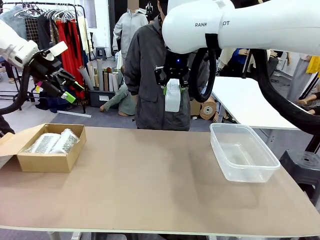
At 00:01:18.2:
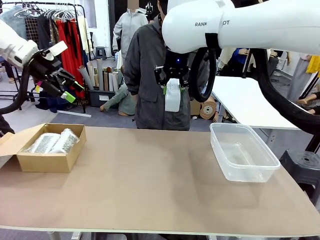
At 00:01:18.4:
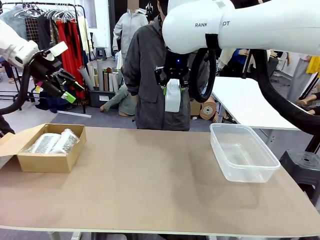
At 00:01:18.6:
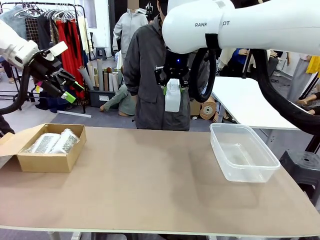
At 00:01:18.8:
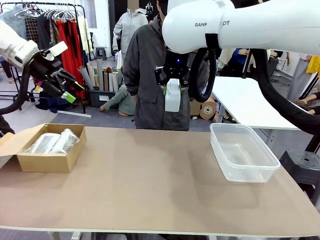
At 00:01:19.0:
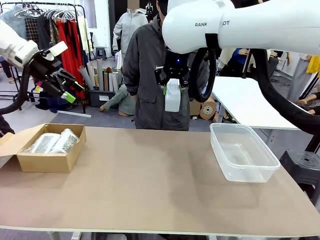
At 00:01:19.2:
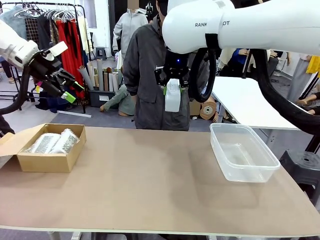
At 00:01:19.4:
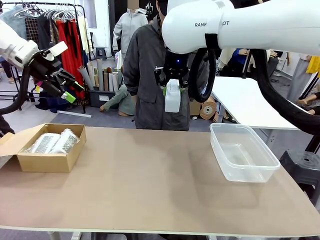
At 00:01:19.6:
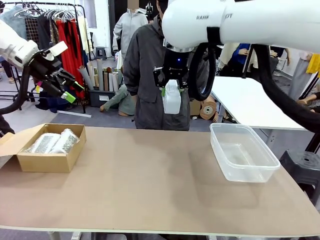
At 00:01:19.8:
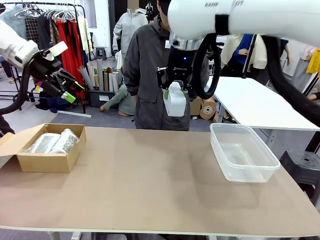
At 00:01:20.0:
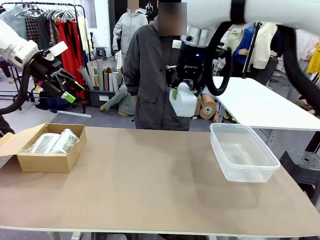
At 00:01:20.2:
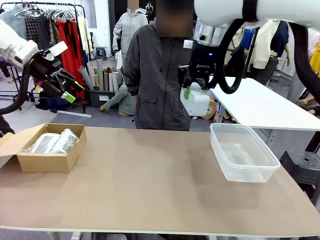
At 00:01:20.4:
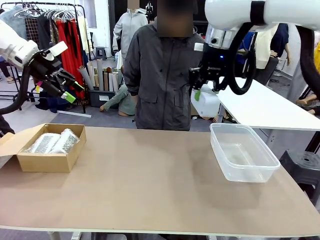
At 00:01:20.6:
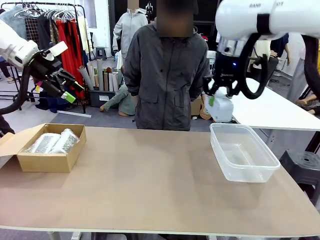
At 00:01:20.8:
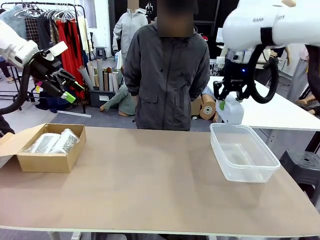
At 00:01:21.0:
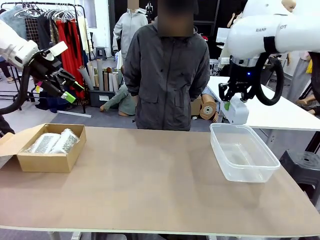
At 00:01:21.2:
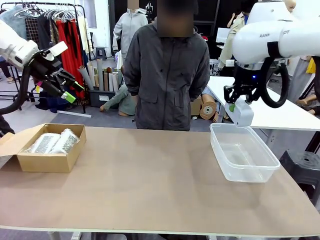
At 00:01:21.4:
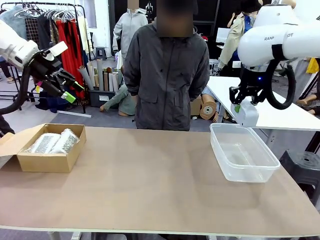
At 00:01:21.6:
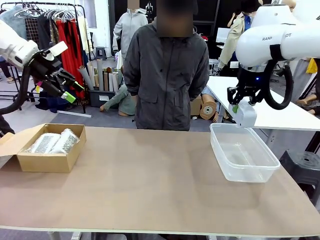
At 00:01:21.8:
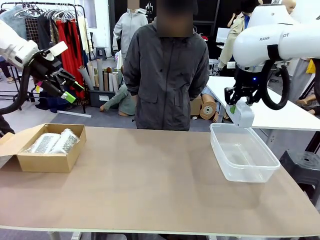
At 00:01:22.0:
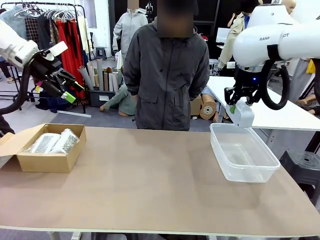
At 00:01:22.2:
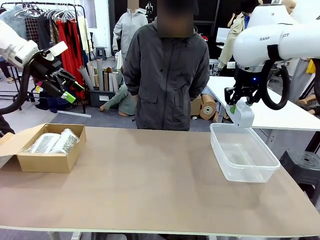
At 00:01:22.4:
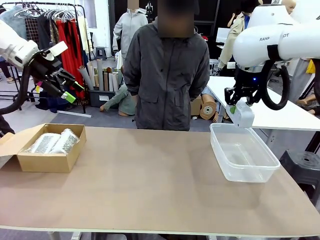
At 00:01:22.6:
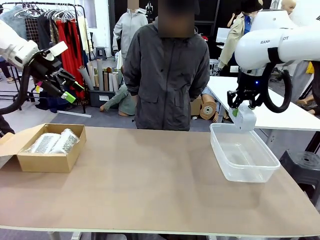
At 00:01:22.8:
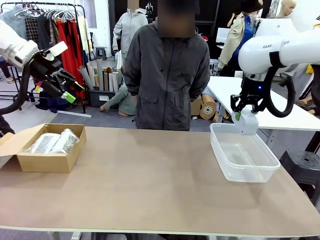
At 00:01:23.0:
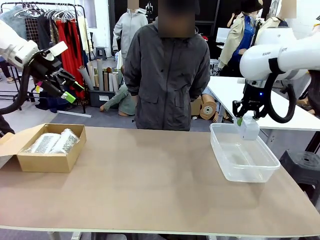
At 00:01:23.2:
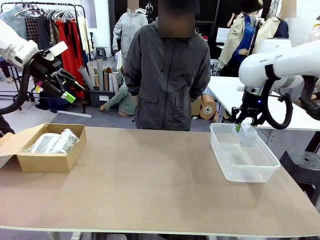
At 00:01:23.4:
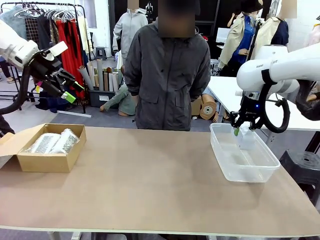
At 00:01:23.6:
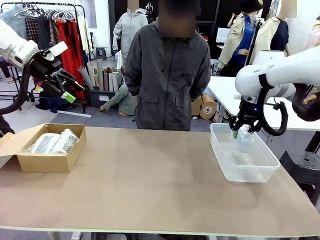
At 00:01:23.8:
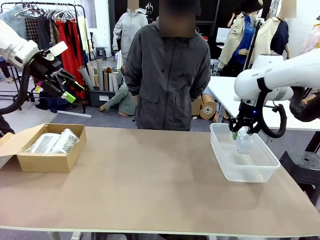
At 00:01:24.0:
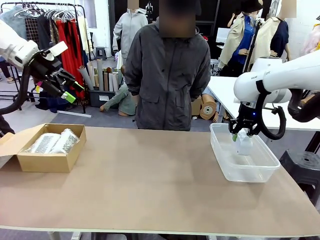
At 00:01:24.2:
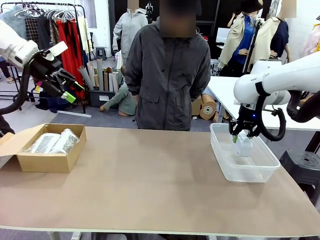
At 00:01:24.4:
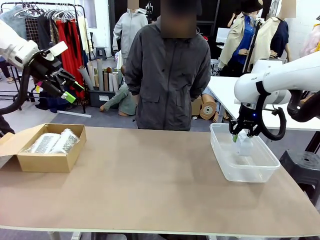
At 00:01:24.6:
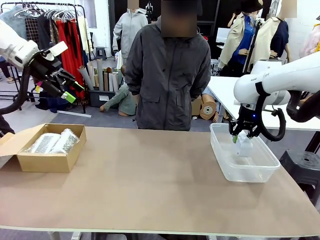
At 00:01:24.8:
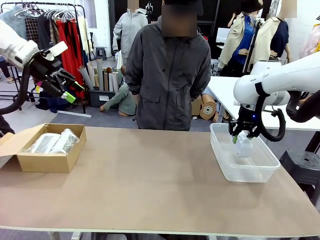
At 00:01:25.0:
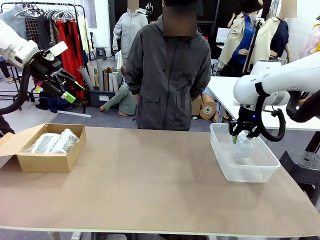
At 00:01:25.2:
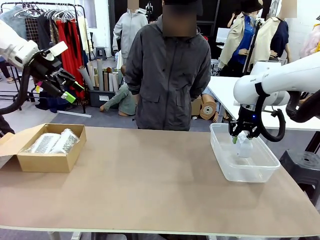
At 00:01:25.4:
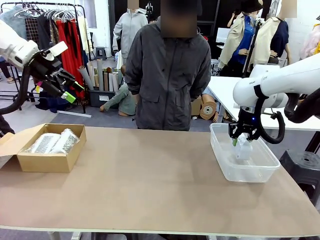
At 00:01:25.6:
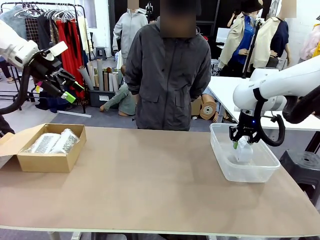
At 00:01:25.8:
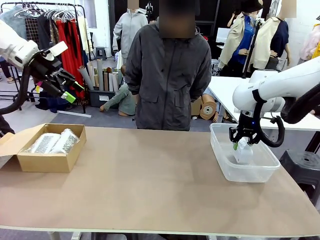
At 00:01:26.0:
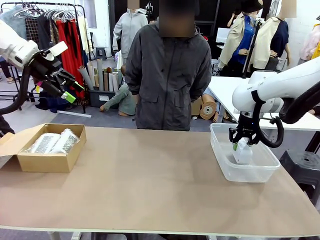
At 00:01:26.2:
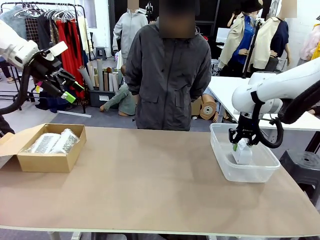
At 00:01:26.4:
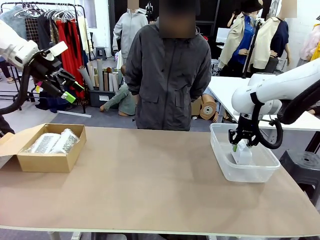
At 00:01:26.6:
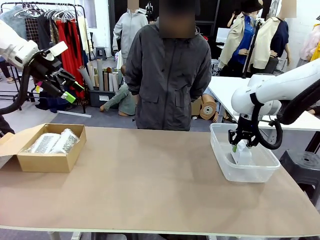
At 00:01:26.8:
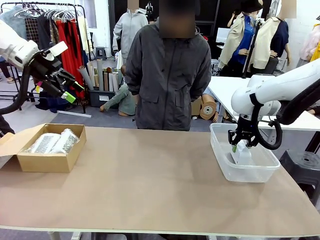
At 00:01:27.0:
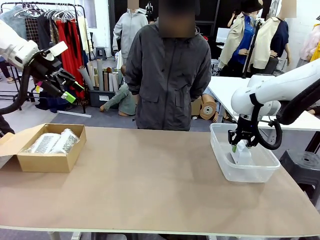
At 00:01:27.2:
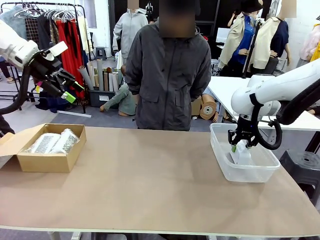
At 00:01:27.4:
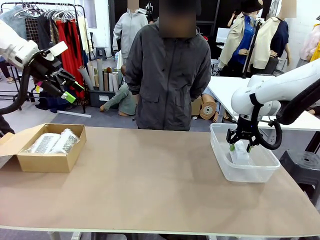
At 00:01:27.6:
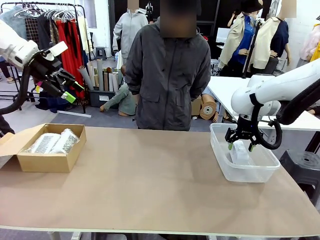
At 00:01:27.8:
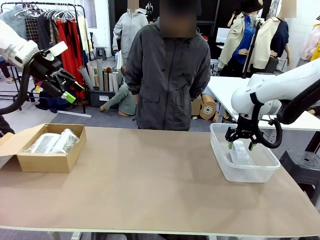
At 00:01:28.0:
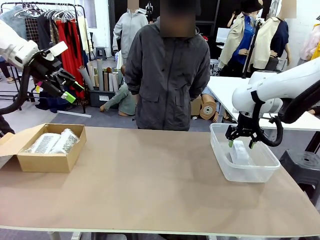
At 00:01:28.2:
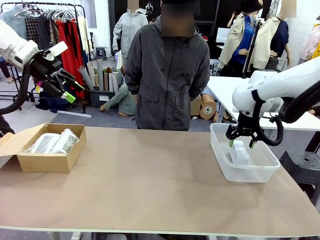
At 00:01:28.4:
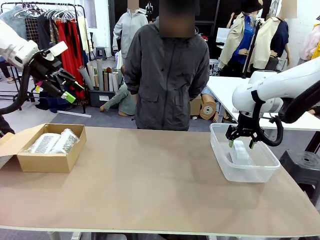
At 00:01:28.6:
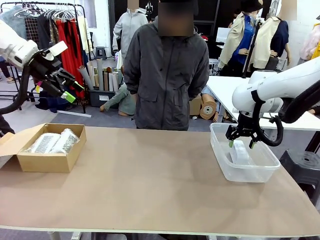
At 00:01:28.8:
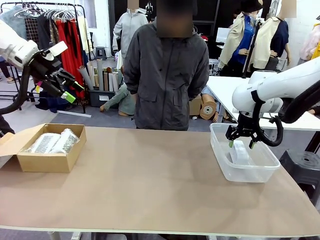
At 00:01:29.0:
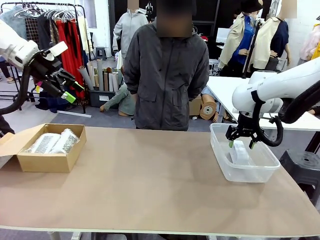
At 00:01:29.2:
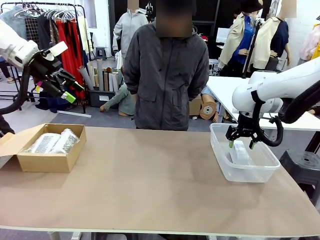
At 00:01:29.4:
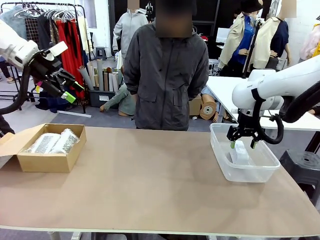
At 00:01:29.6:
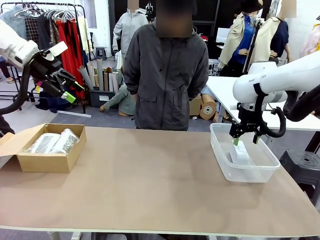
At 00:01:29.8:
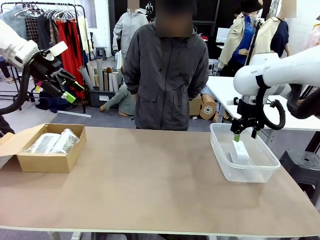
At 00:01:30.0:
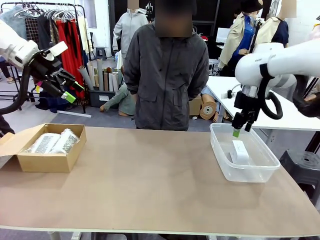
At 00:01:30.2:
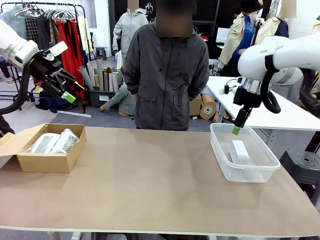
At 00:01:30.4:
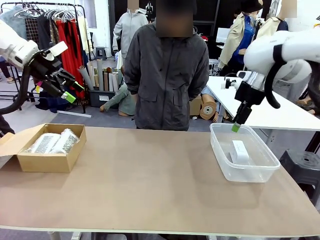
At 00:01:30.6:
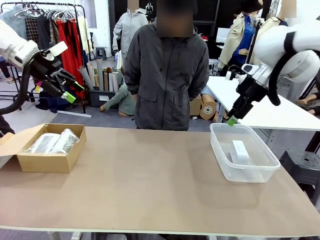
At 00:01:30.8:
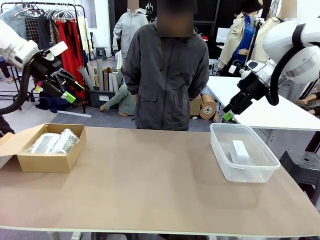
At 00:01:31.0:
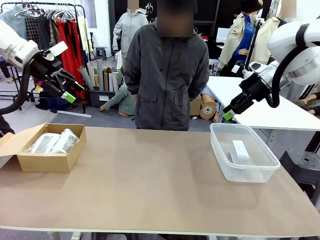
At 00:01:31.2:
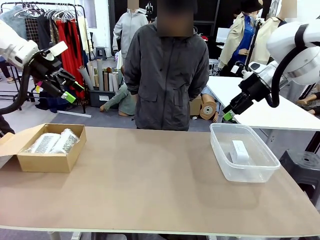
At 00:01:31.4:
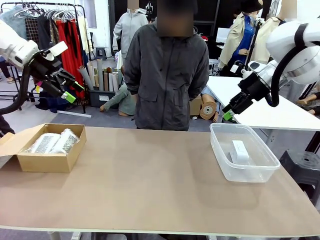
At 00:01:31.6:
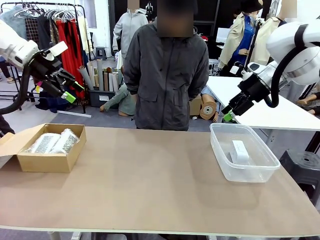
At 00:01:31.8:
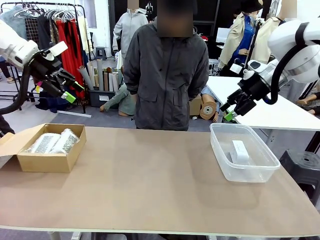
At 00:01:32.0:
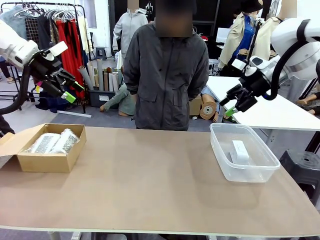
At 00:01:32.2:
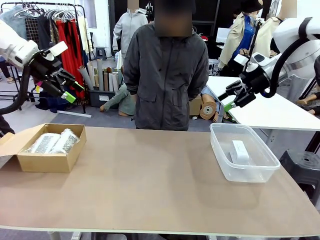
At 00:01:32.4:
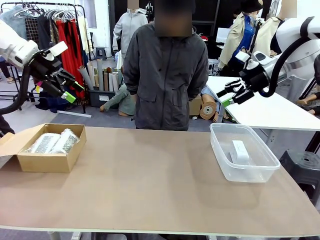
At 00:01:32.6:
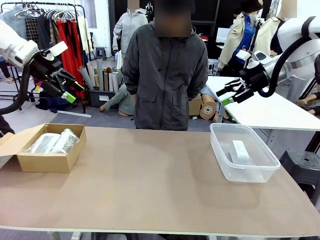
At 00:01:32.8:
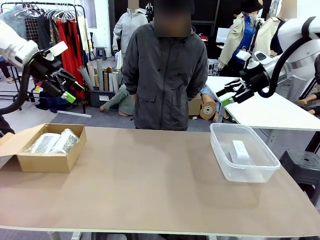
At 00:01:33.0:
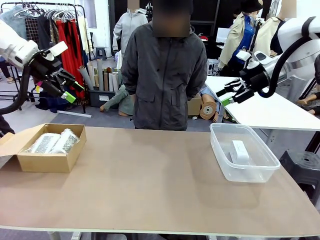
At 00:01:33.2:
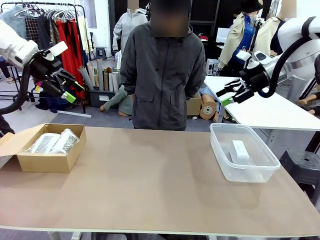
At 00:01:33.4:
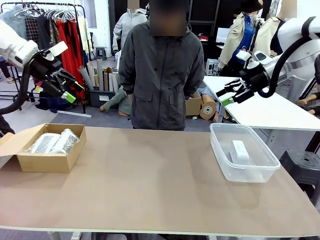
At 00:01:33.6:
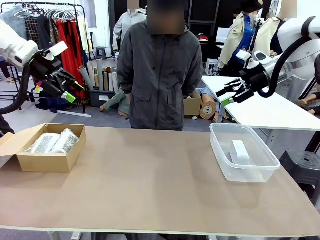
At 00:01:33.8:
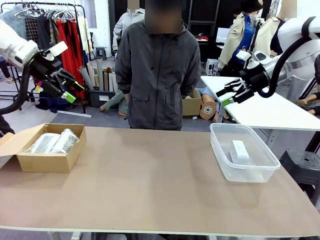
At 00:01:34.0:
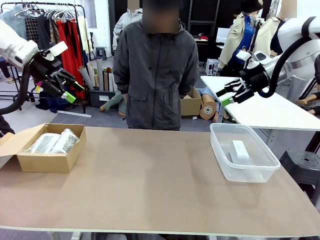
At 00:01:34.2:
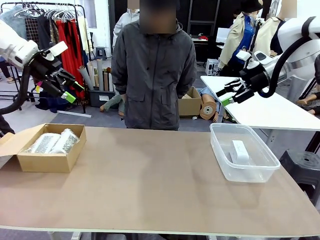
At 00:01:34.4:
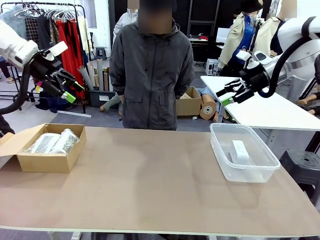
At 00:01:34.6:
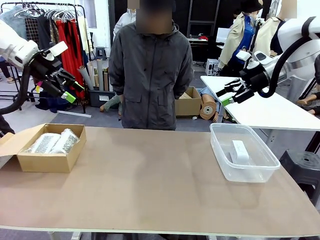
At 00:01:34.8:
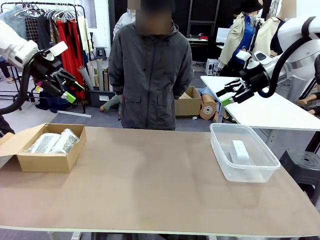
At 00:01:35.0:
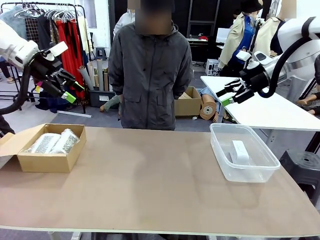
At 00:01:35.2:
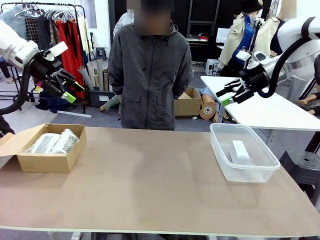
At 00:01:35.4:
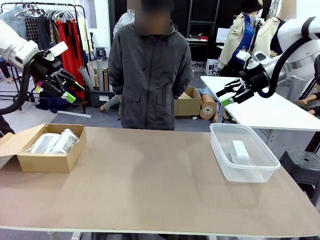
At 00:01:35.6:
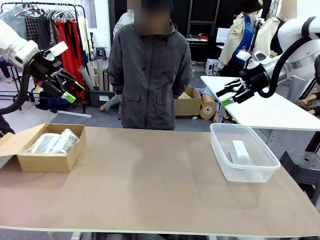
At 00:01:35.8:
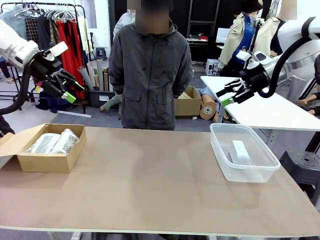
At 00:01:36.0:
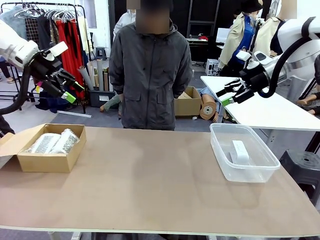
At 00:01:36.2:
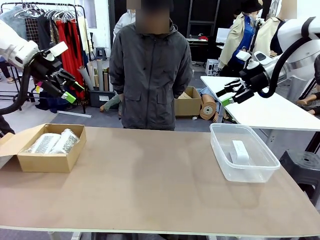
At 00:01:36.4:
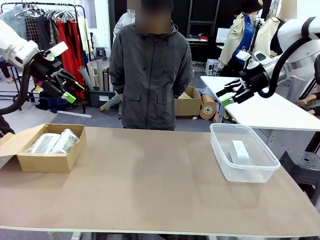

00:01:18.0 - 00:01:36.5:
Task: Separate and place wrapped and unwrapped clocks.
Robot: If the picked Digital clock is wrapped, place it in the Package Box ; if not, place it in the Organizing box.
